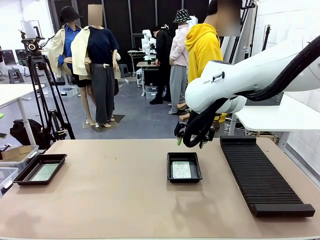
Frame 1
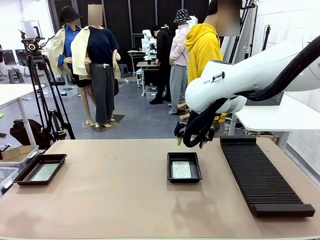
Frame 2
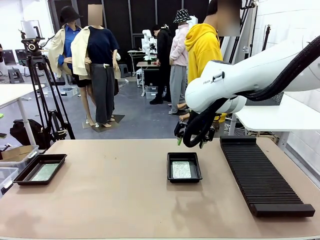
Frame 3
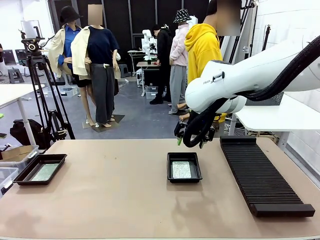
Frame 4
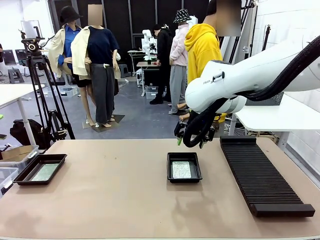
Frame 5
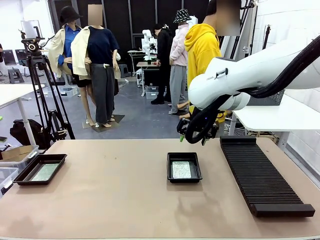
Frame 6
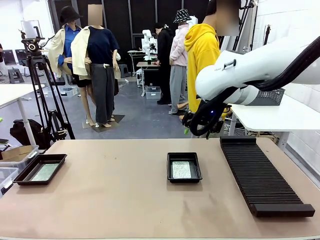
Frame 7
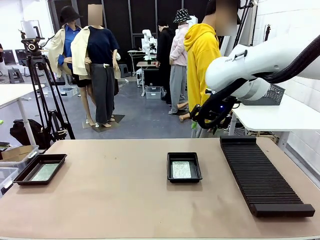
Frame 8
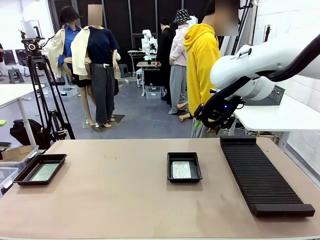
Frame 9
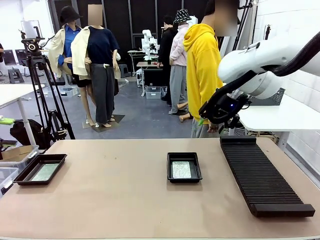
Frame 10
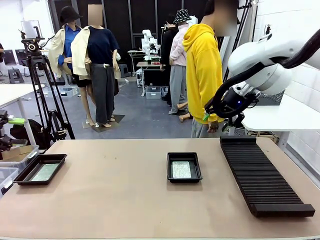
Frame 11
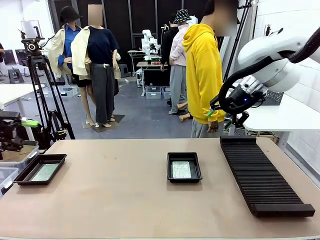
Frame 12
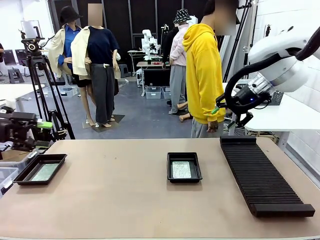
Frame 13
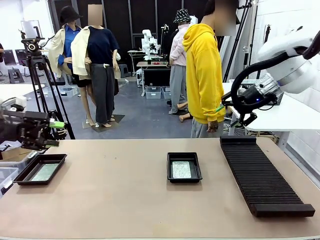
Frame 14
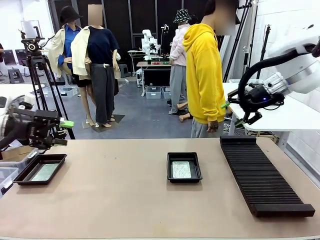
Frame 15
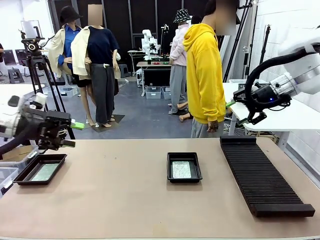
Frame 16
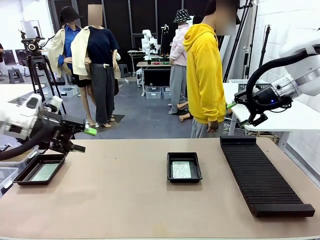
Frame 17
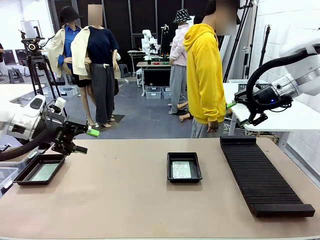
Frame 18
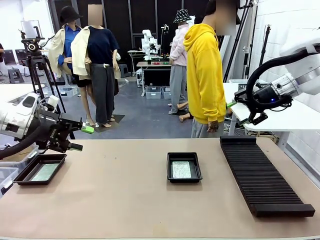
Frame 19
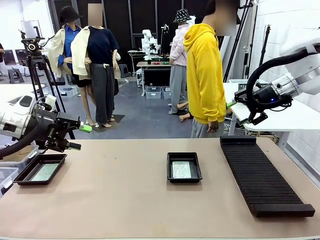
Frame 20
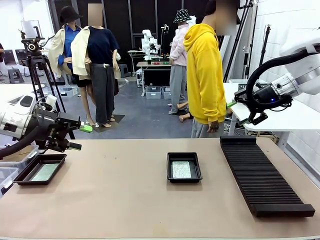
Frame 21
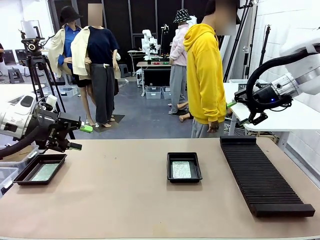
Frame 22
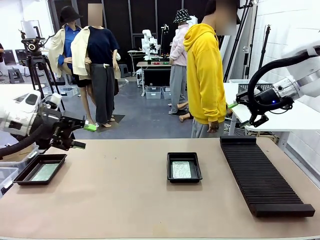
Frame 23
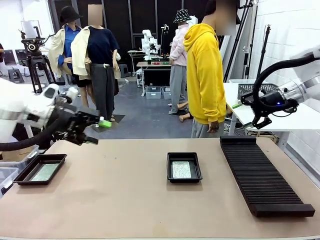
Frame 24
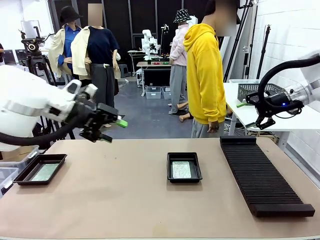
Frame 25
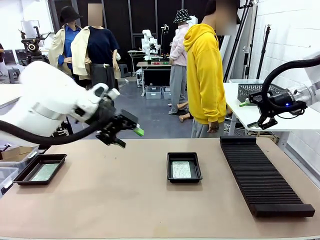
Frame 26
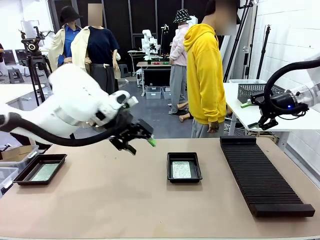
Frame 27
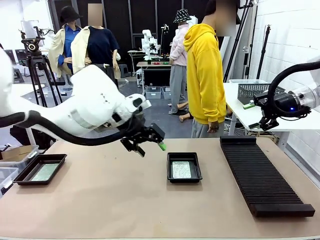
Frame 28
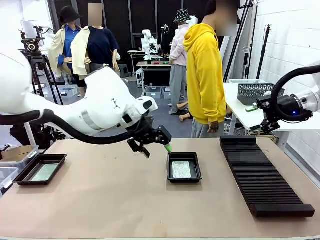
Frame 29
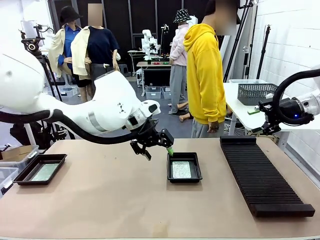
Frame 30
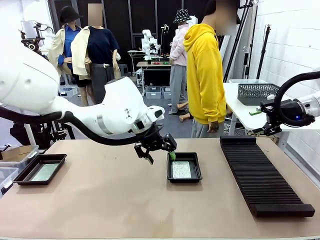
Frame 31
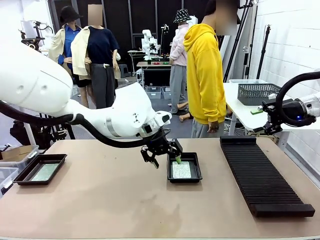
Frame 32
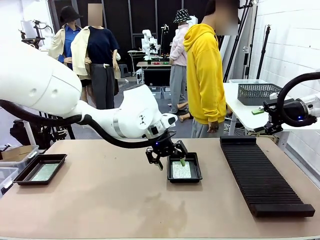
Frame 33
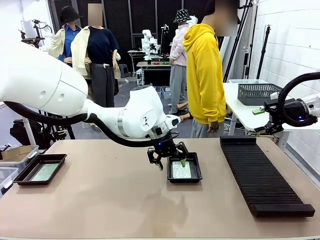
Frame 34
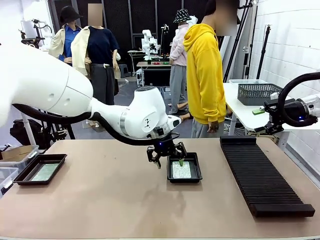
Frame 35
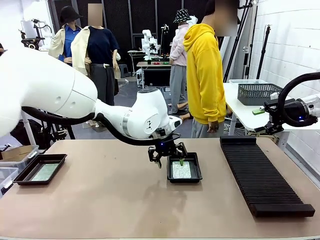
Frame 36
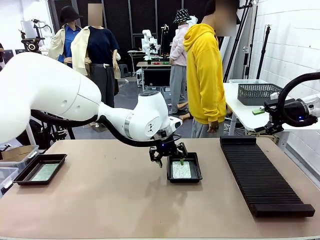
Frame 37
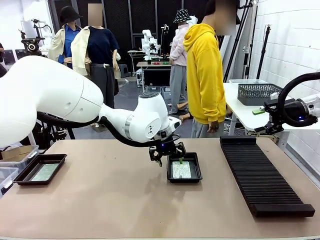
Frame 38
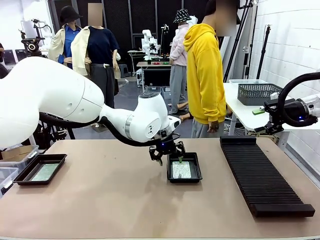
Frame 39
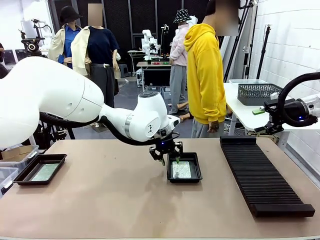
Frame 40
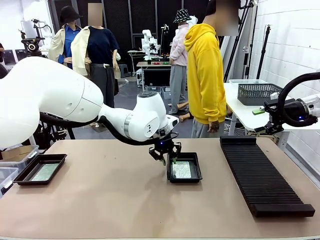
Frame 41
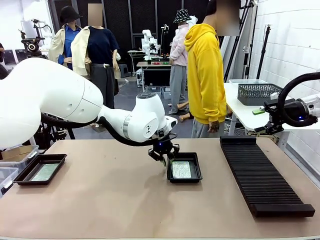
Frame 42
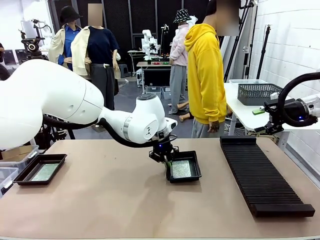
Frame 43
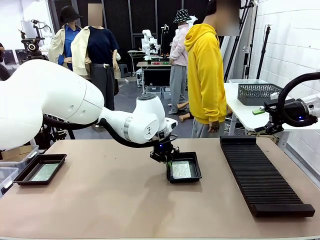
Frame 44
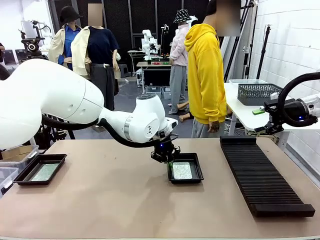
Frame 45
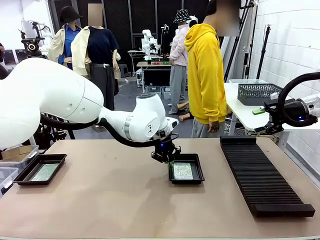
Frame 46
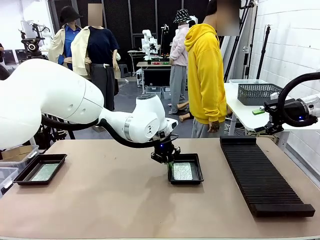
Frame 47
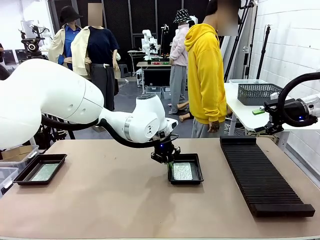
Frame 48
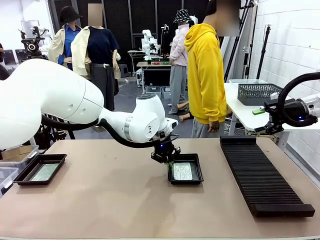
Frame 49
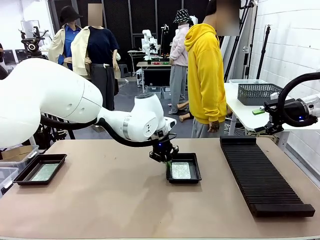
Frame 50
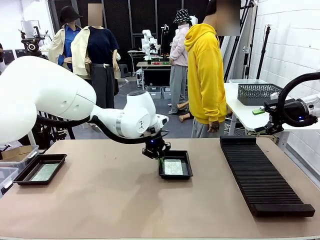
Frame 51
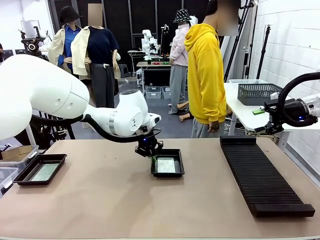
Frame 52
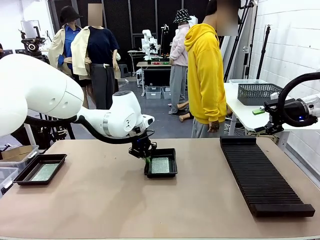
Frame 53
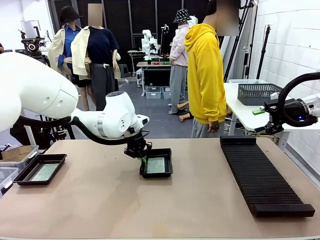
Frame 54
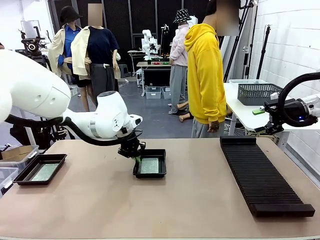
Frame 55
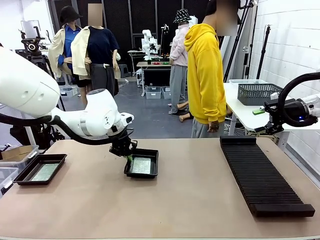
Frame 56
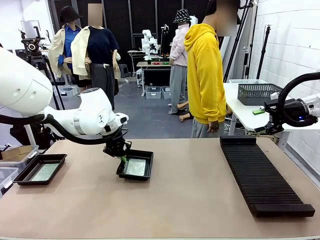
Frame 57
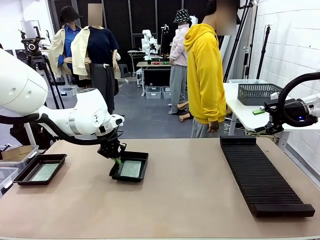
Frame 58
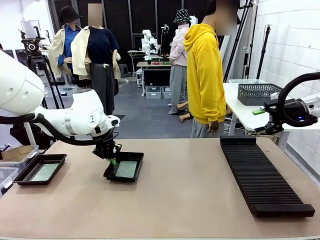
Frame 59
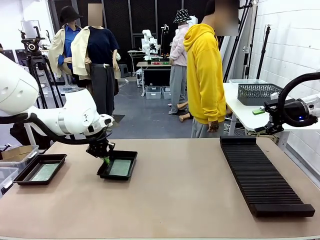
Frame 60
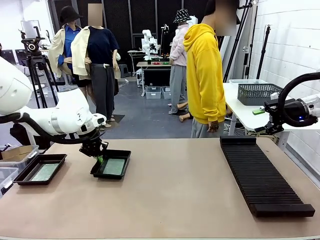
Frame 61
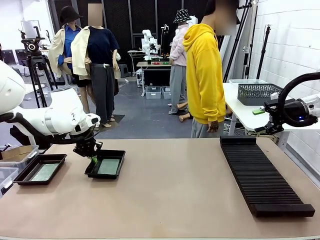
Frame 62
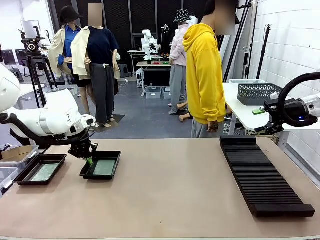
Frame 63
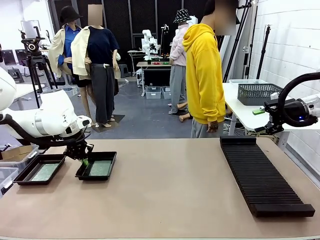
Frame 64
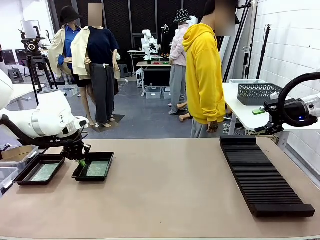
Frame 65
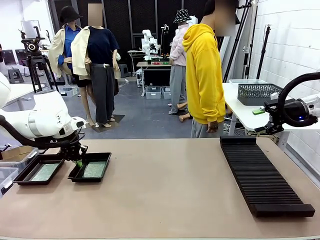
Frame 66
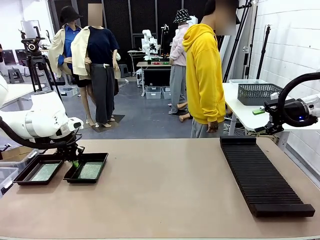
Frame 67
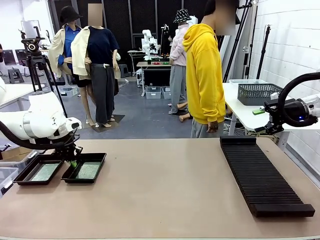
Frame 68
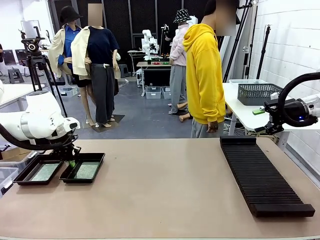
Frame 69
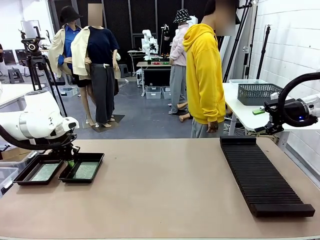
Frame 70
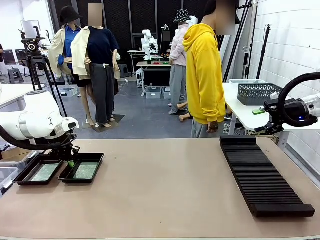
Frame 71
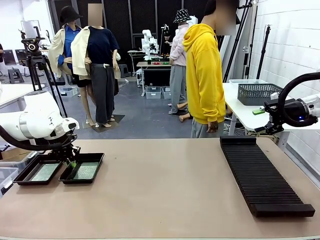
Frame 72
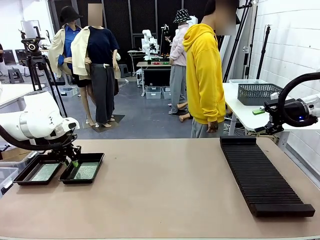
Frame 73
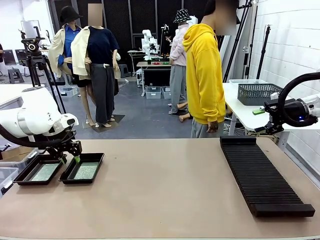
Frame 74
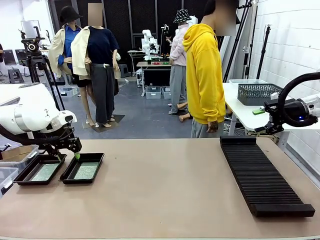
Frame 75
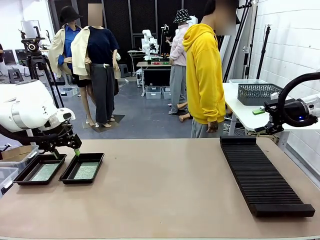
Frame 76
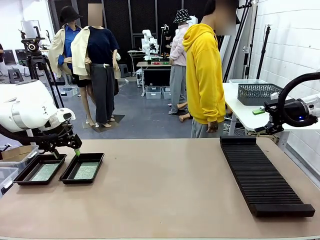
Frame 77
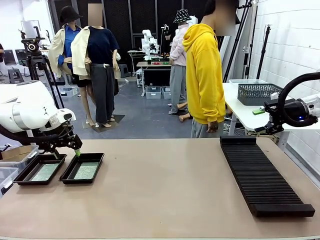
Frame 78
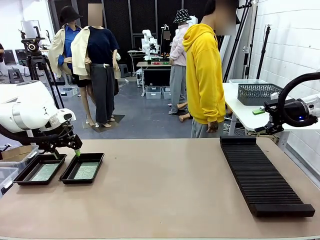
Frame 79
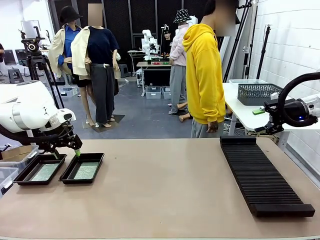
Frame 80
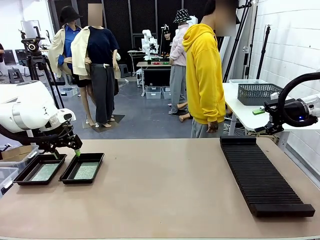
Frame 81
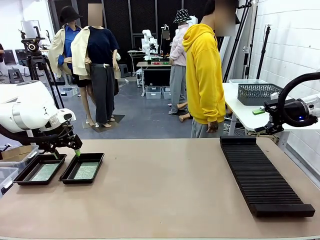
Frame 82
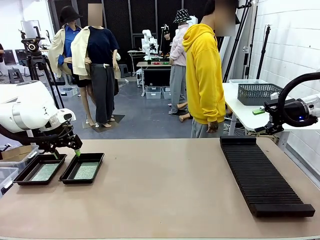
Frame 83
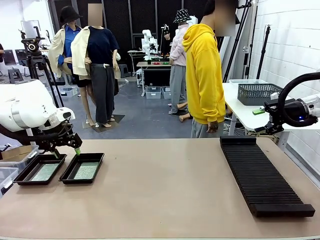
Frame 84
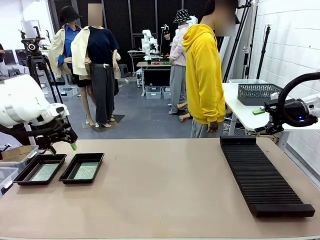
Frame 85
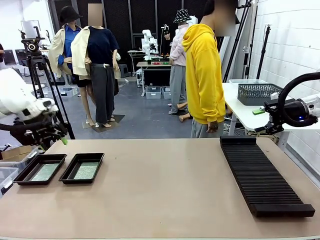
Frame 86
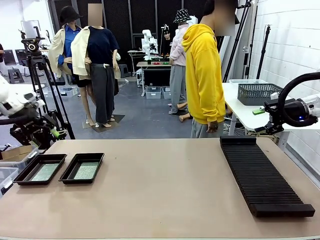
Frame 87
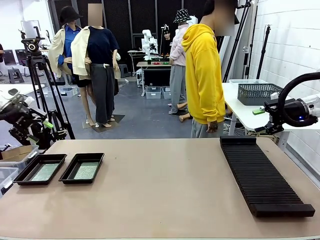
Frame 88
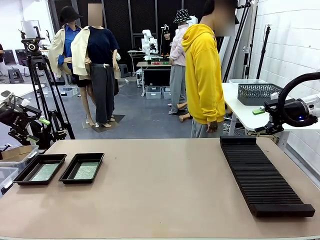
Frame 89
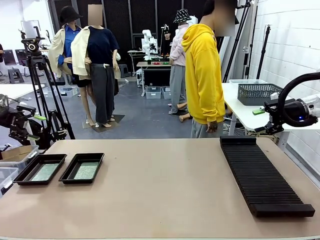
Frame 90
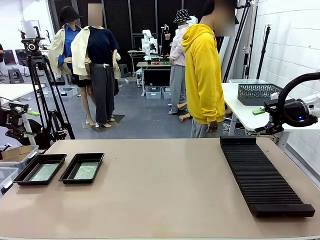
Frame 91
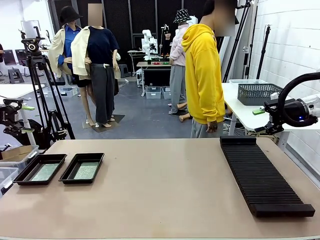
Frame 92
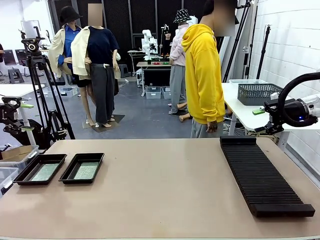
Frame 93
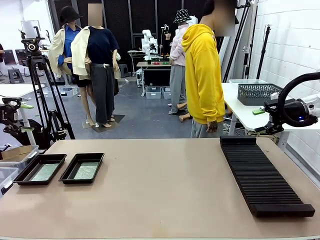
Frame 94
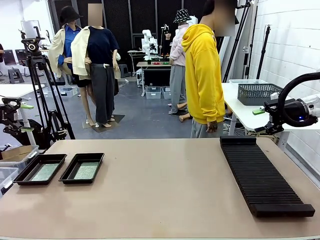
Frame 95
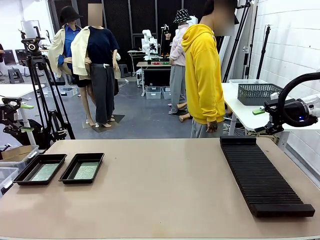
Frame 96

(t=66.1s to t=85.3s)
Task: Inspect and transfer BCBs to ESD trays.
Robot: Pick up the ESD tray and place it on the left side of the table.
